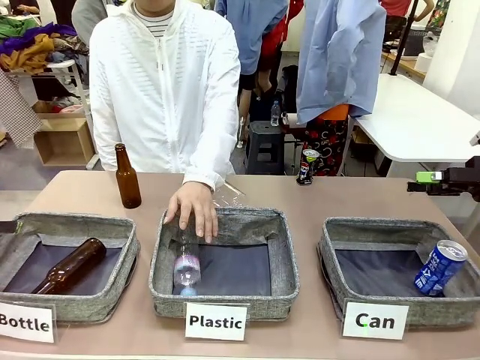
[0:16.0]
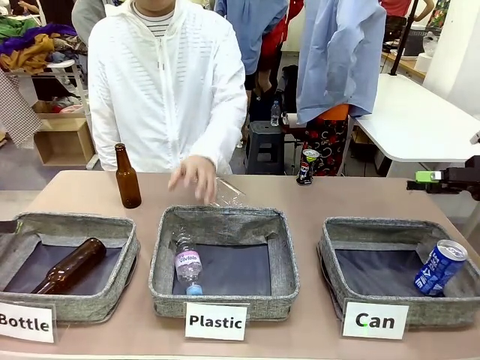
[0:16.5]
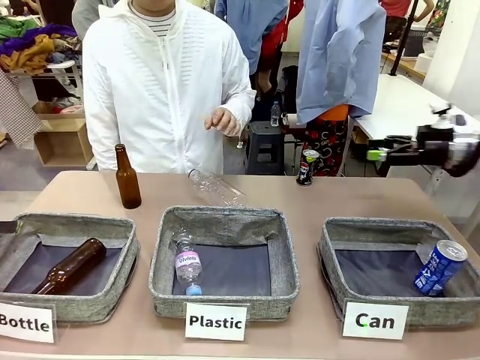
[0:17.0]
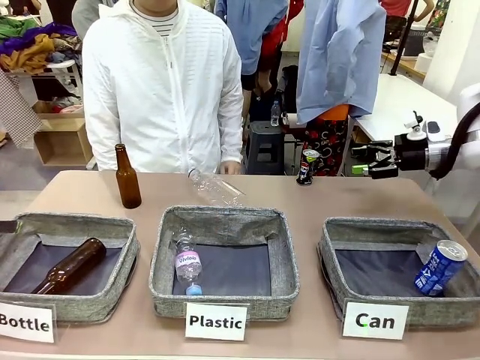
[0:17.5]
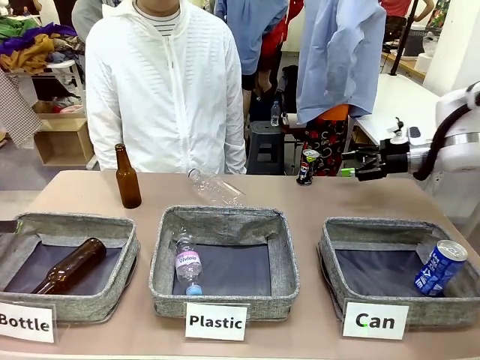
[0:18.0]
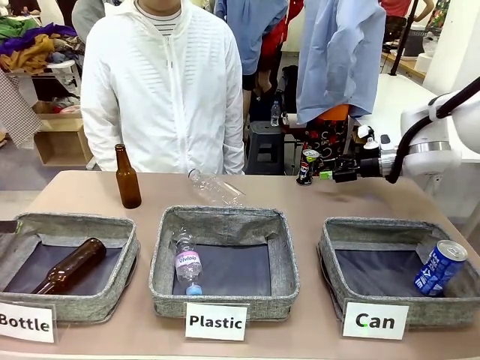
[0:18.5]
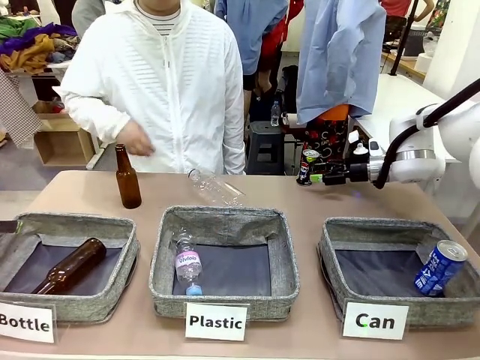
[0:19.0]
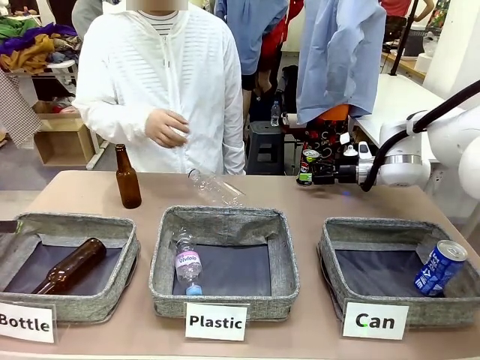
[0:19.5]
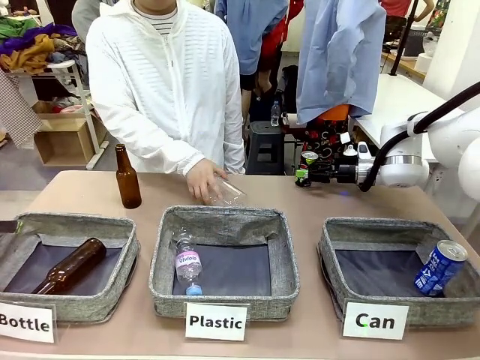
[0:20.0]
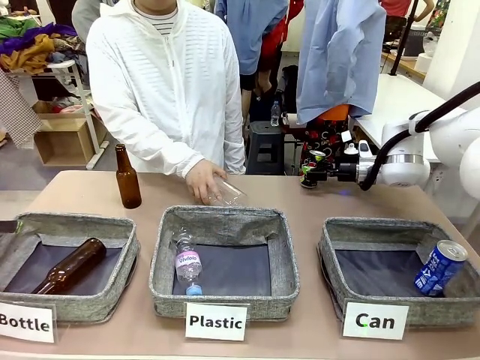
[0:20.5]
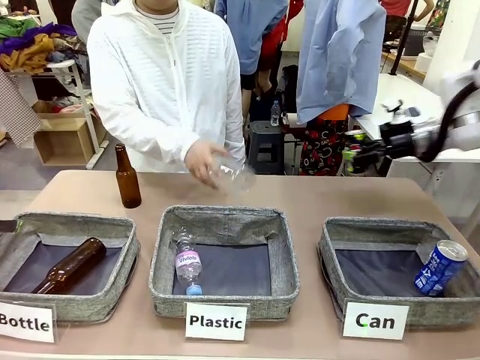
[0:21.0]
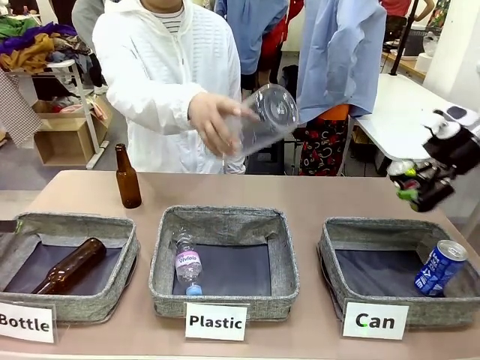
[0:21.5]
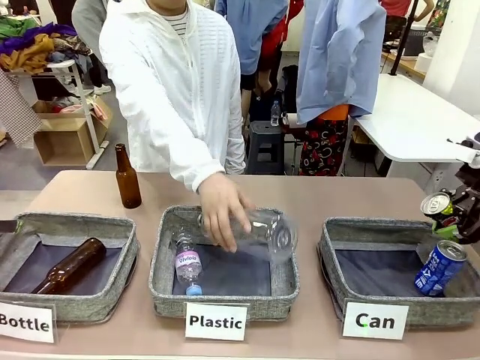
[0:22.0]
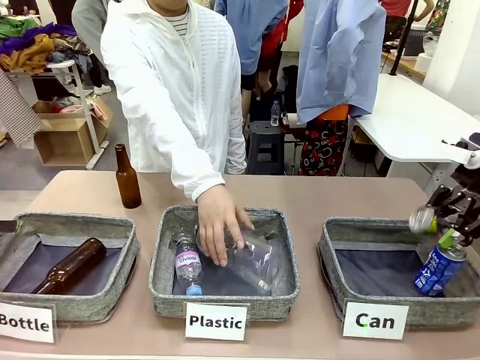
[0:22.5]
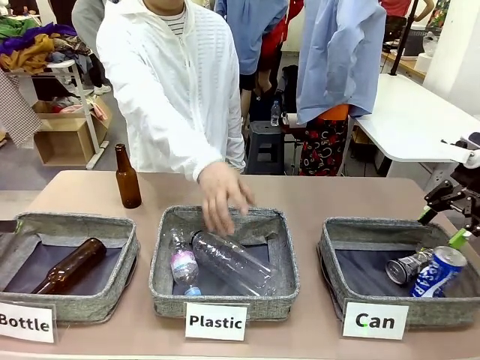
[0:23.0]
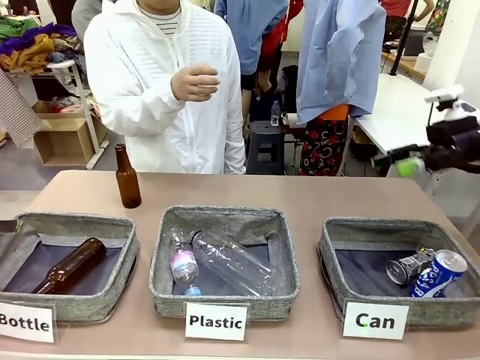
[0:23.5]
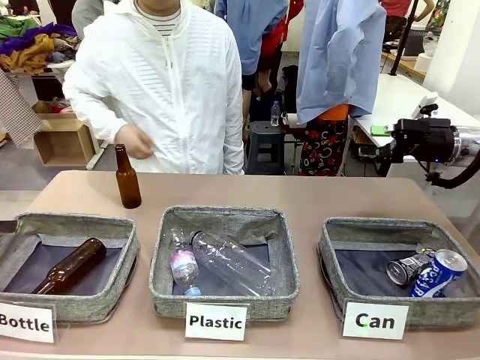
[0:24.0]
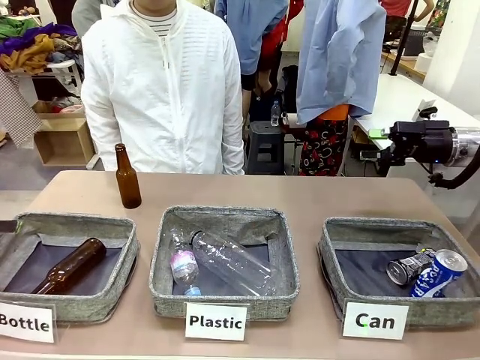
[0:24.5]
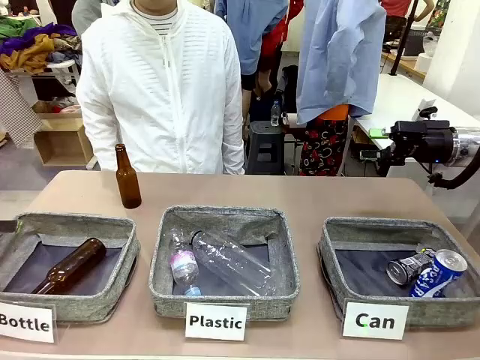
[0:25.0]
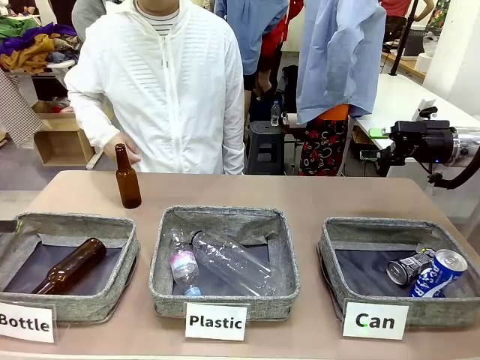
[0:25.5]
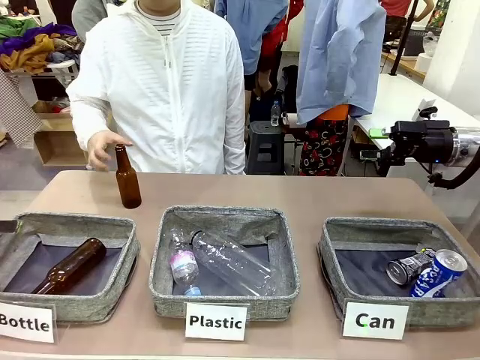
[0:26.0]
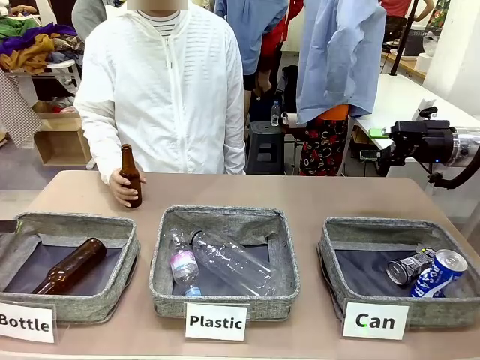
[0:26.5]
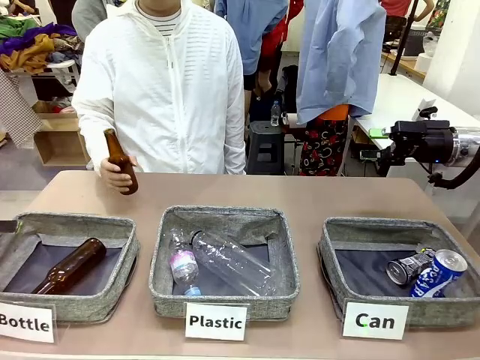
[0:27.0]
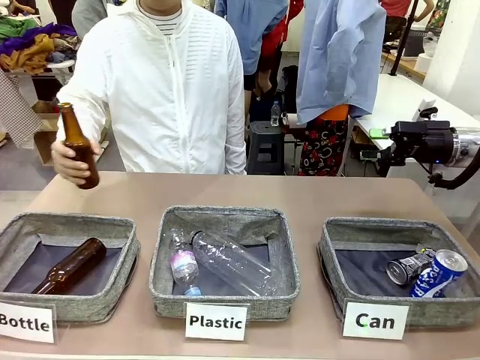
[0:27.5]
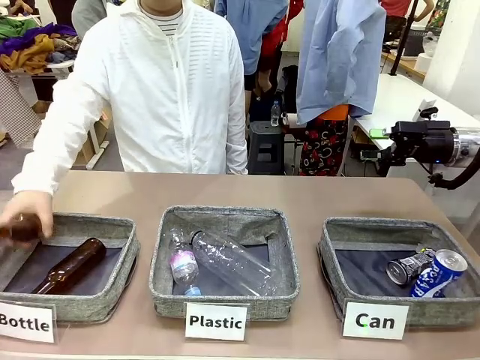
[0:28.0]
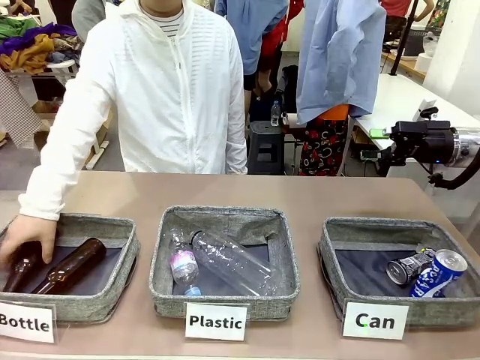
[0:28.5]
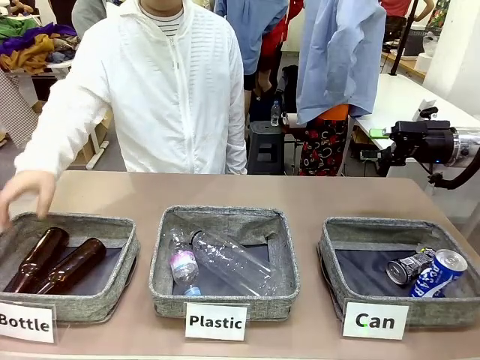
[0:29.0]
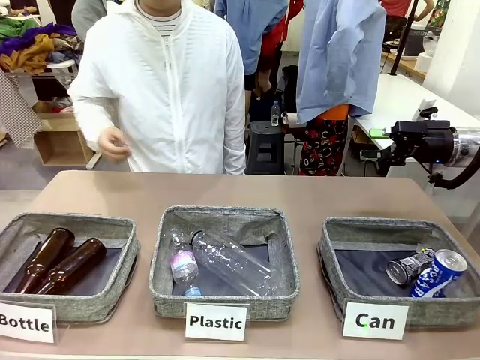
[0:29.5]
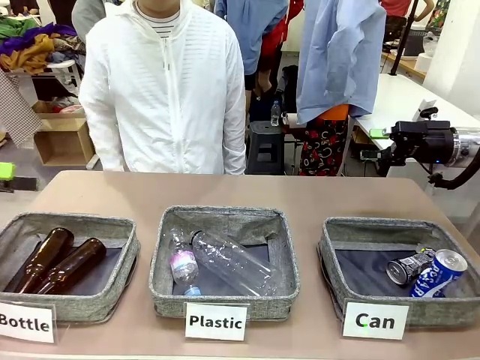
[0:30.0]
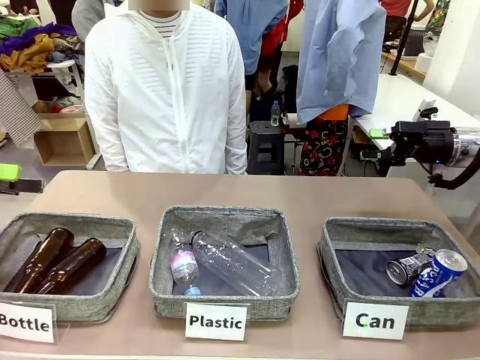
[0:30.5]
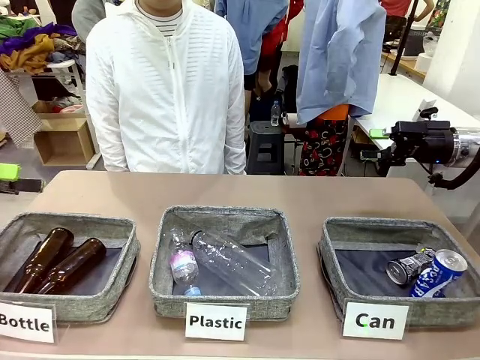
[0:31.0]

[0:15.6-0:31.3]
Task: Sort the can waste into the basket.
Robot: Pick up the can waste from the table and place it in the right Fabric basket.
Person: The human picks up one piece of trash that is not a can and places the trash into the appropriate organizing basket.

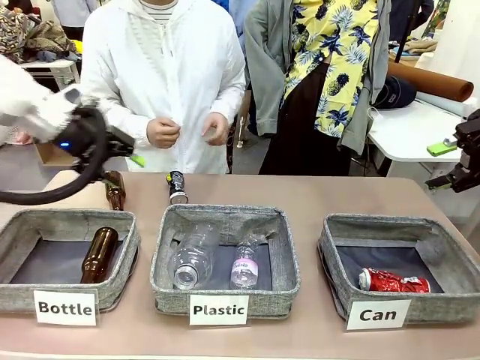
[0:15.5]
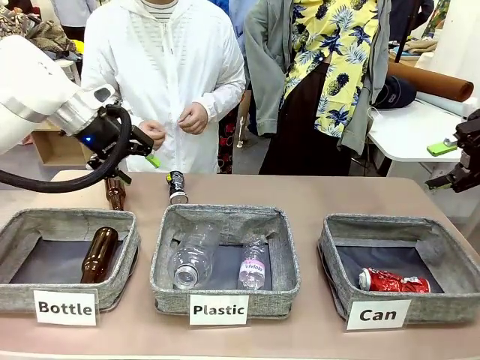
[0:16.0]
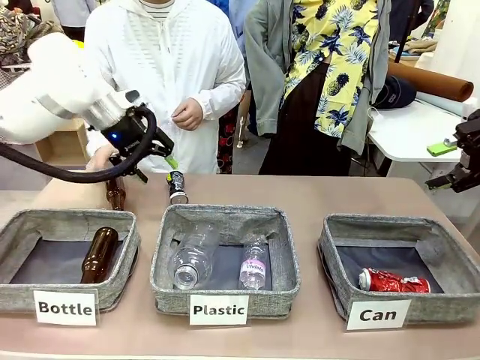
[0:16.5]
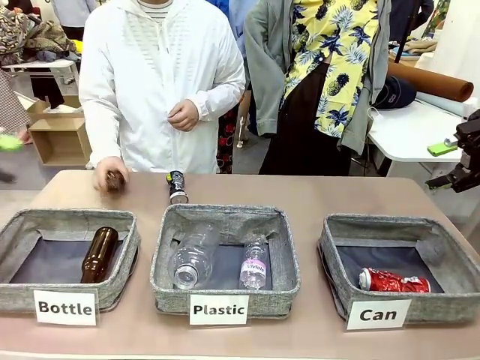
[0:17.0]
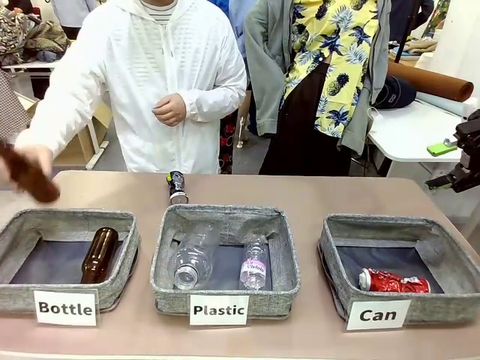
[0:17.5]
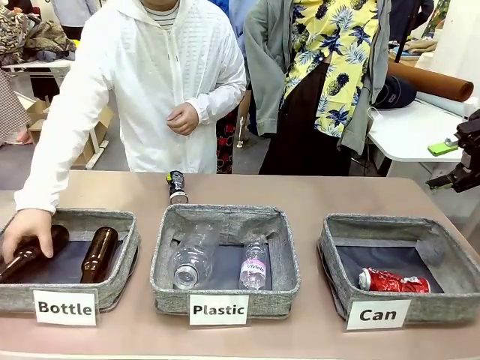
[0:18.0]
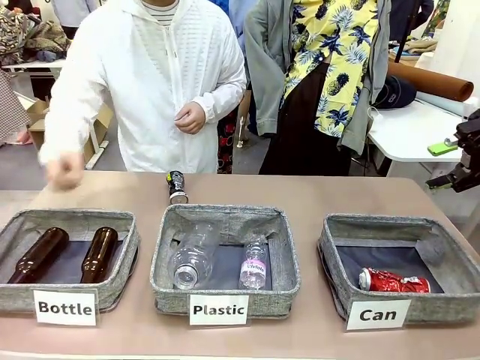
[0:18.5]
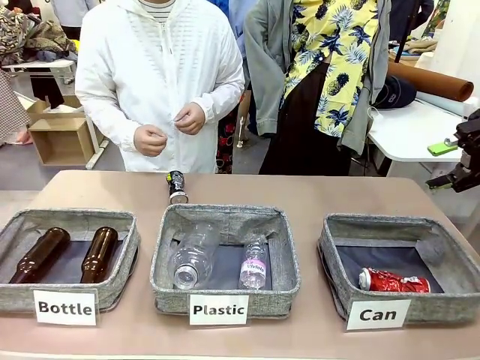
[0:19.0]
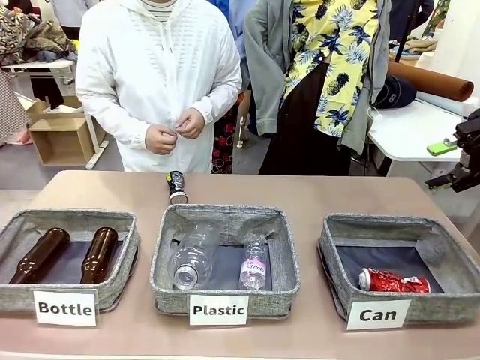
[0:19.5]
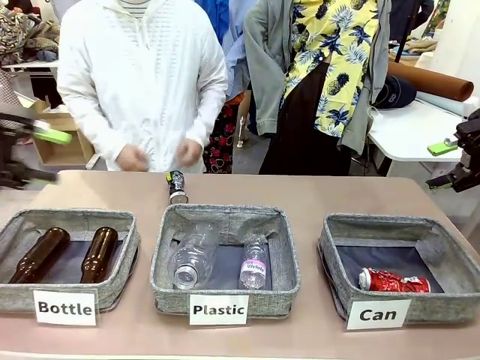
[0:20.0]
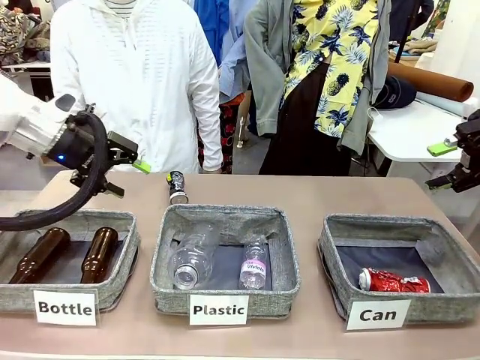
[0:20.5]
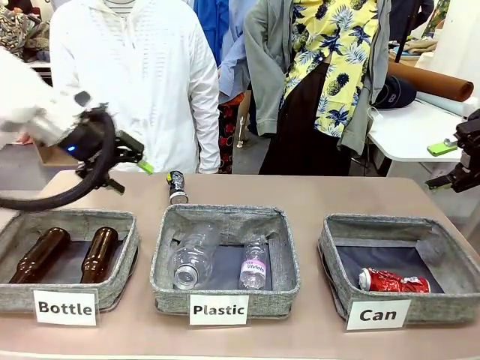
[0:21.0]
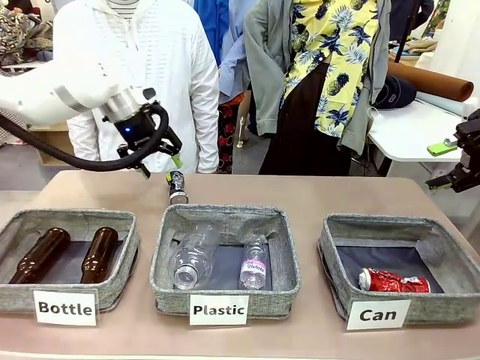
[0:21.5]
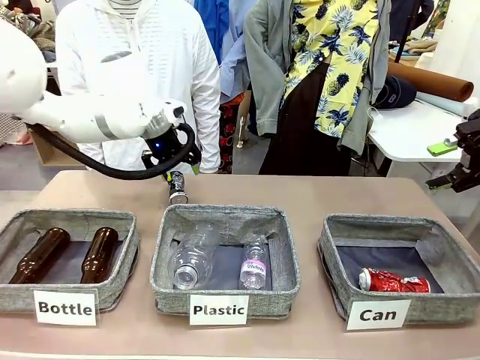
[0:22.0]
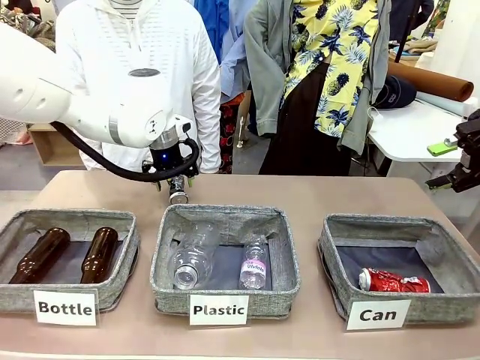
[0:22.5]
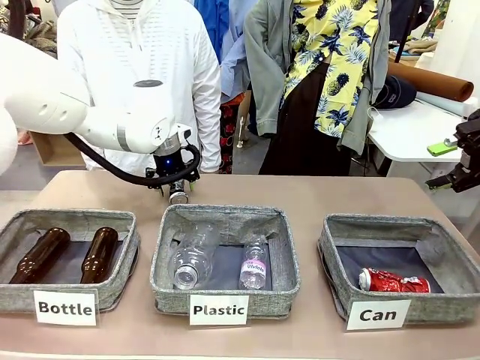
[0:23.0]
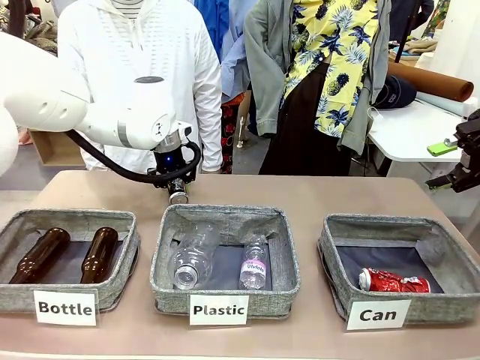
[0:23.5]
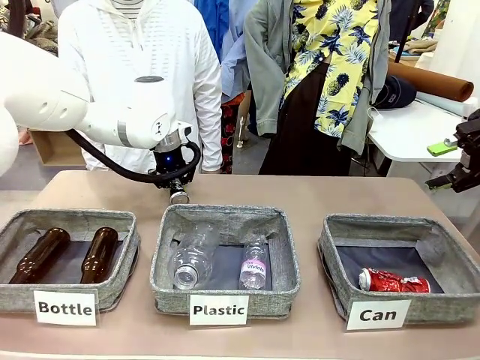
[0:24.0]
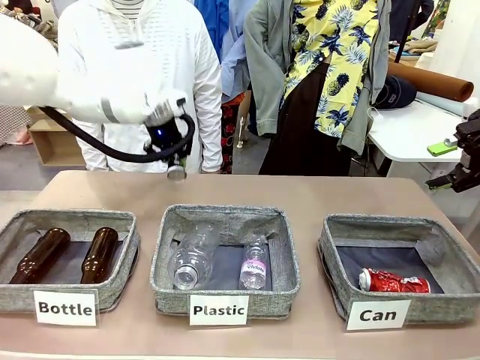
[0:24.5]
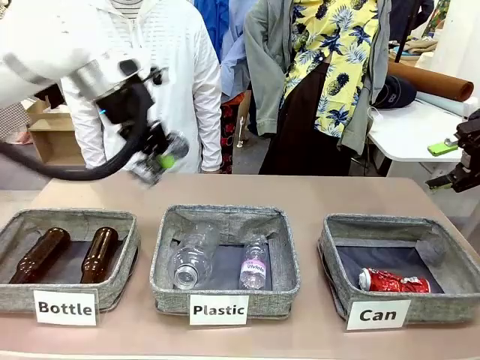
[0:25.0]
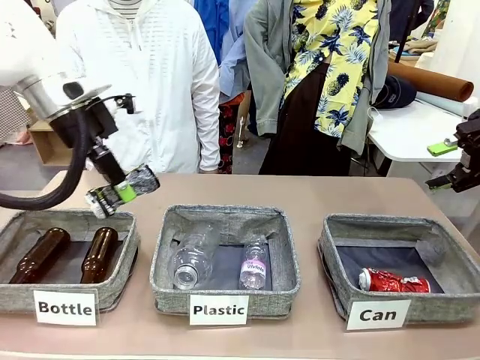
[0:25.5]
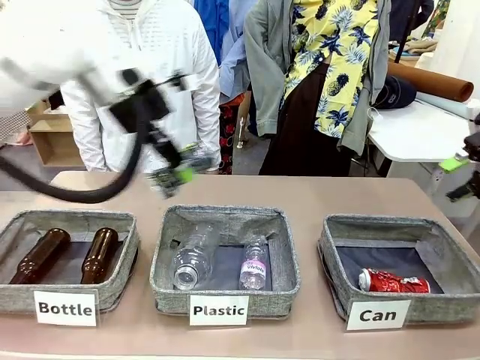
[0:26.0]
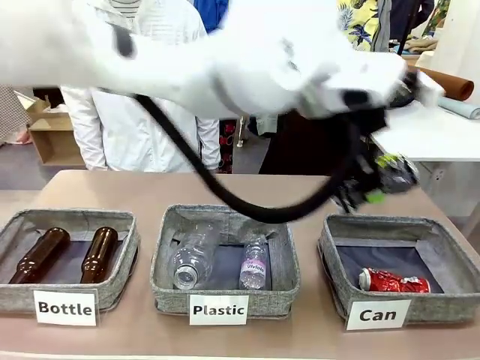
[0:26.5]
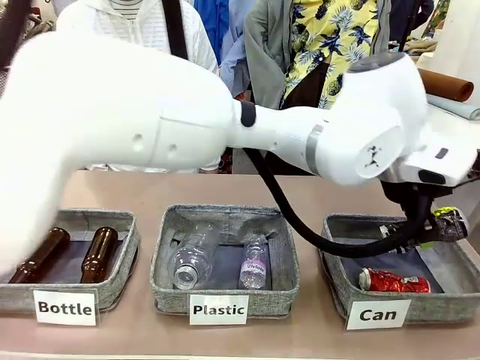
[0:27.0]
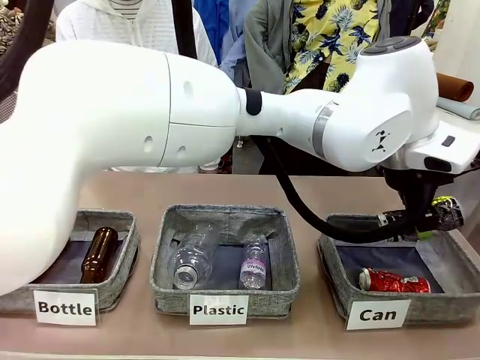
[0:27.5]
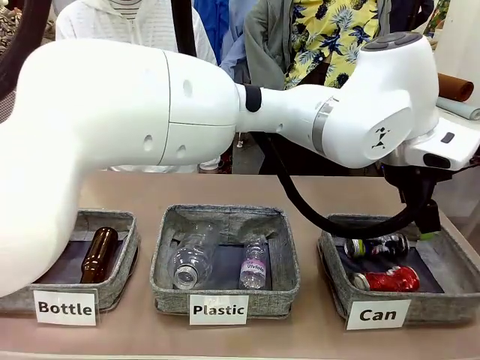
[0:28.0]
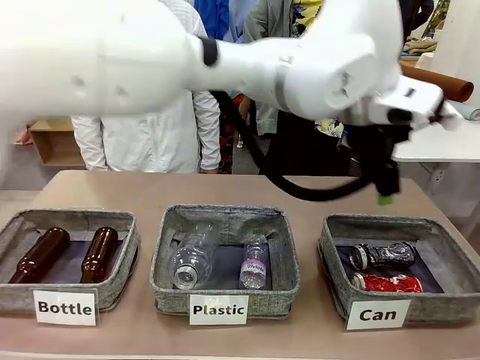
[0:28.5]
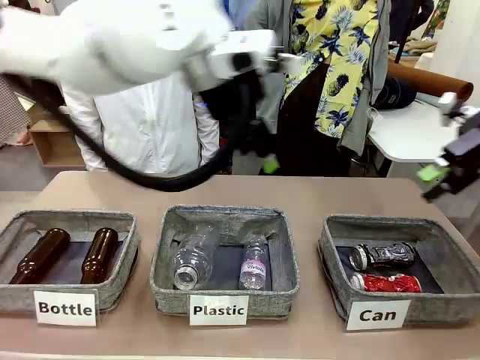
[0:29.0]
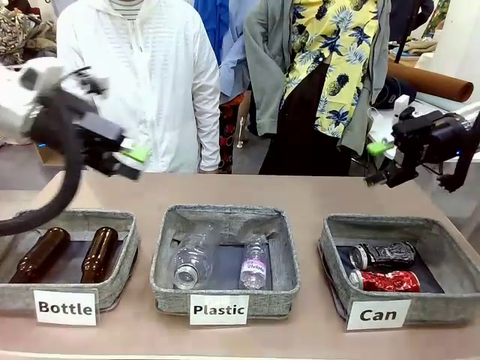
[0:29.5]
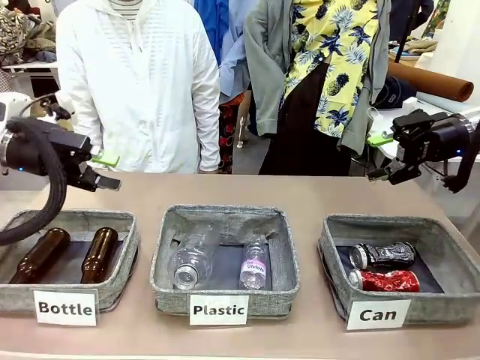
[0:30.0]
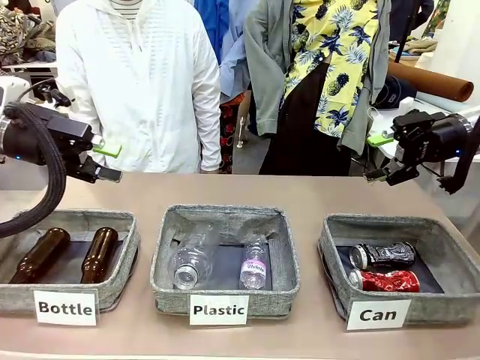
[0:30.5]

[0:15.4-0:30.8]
Task: Sort the can waste into the basket.
Robot: Pick up the can waste from the table and place it in the right Fabric basket.
